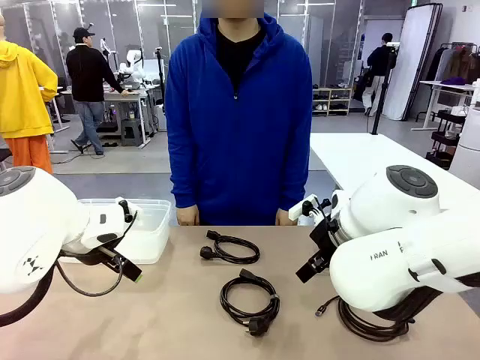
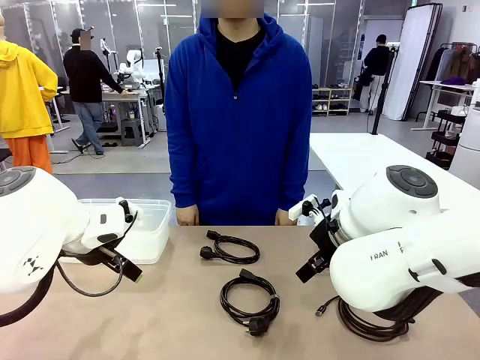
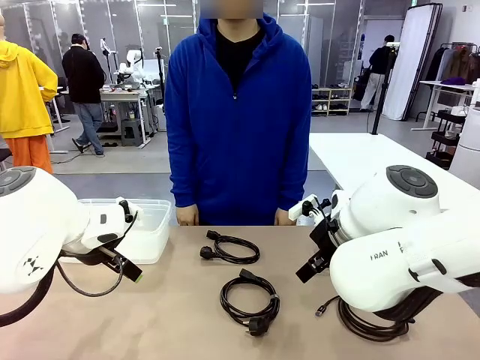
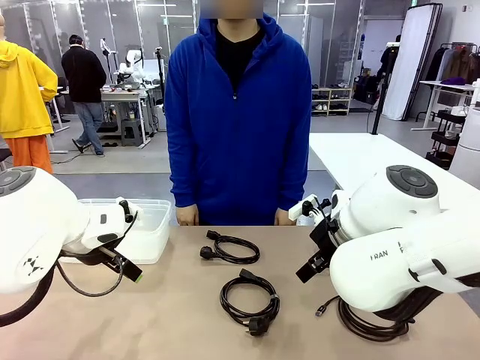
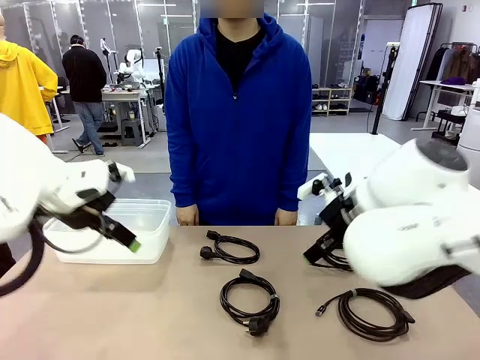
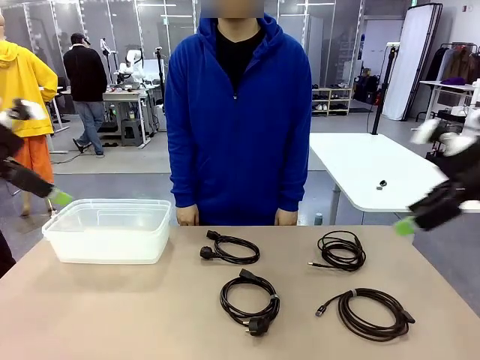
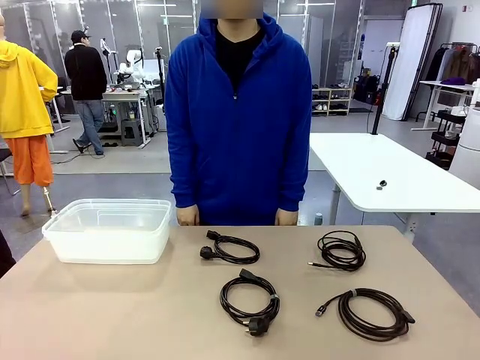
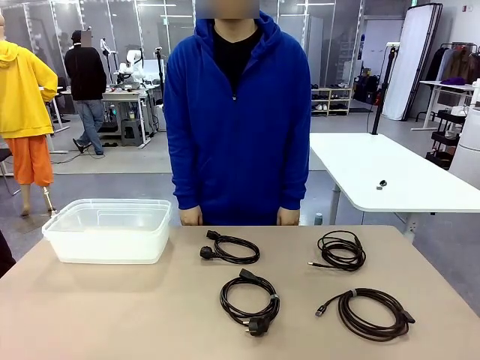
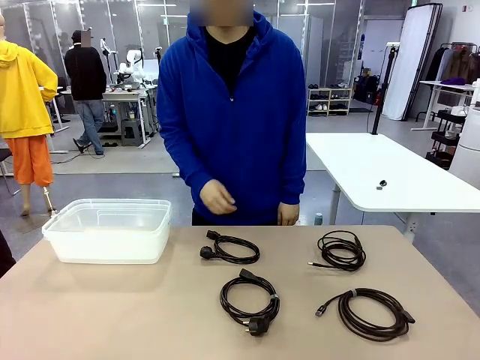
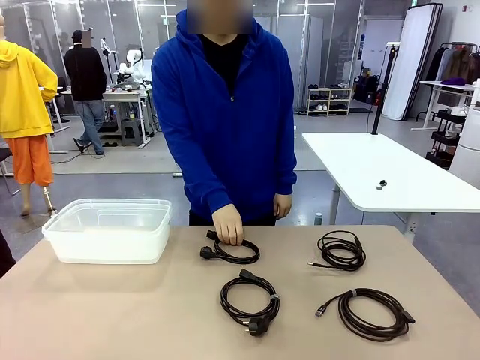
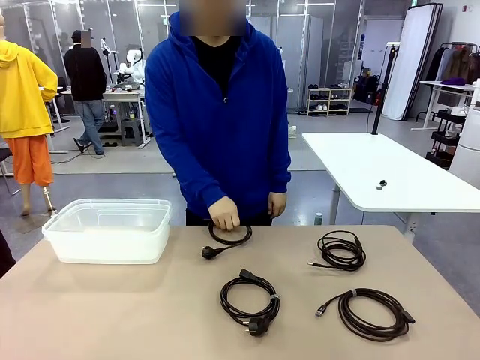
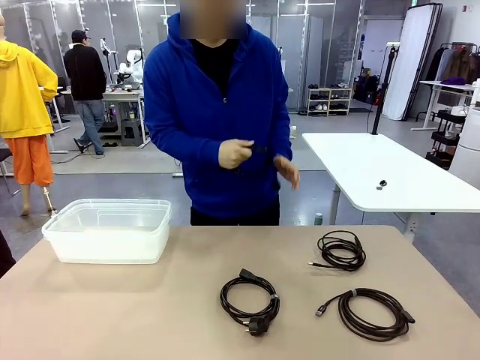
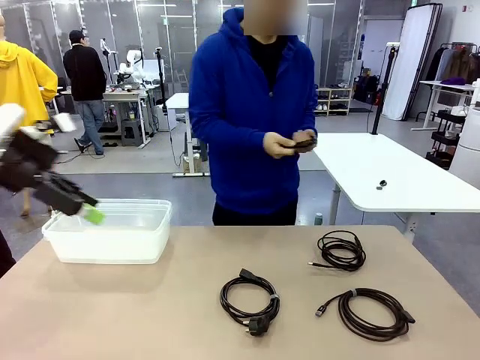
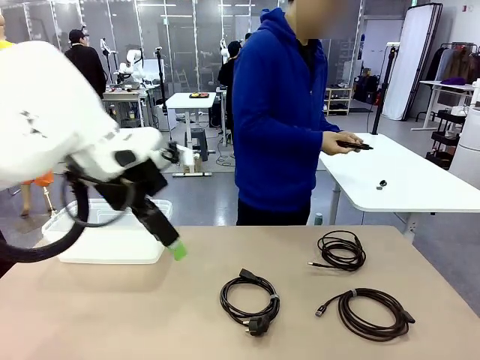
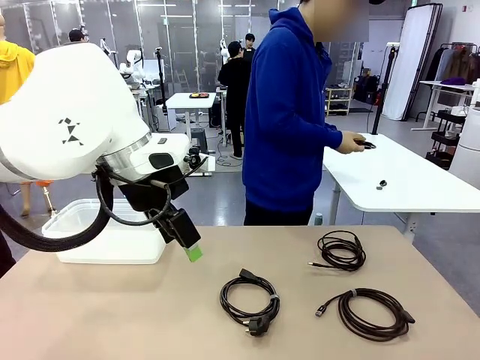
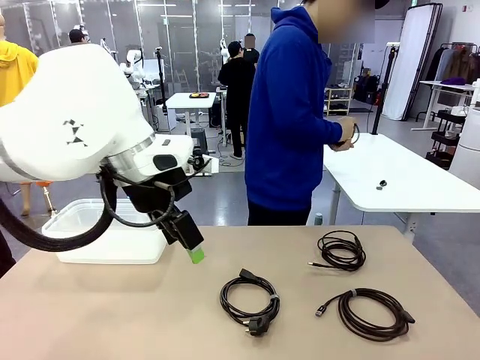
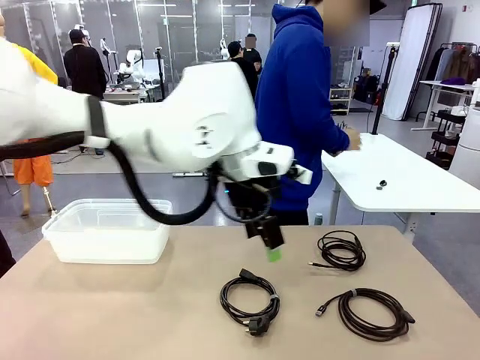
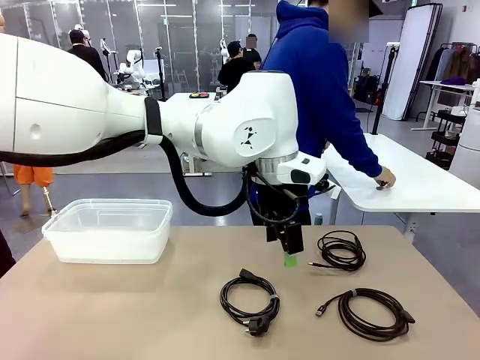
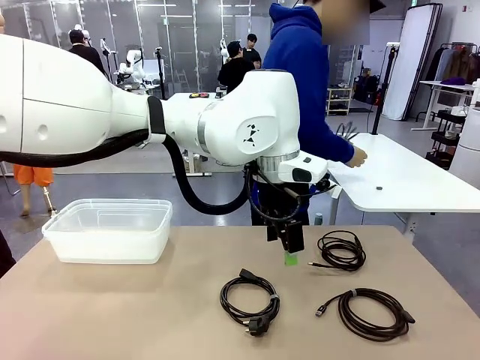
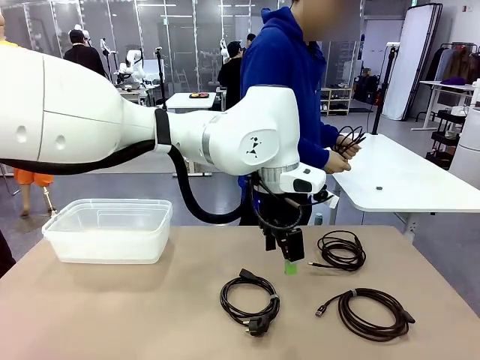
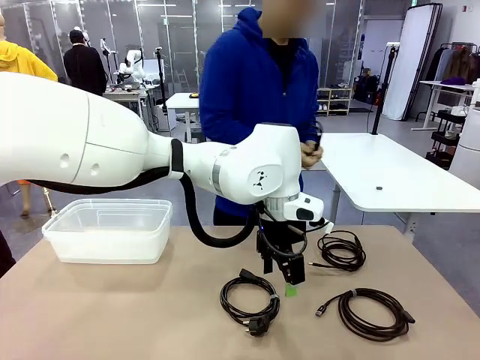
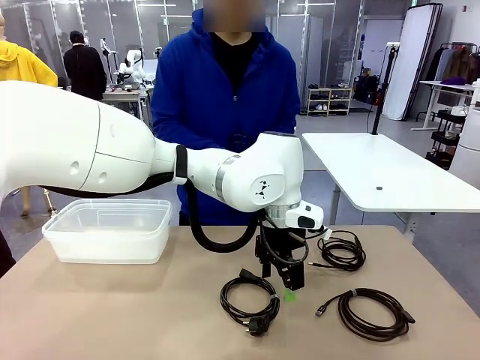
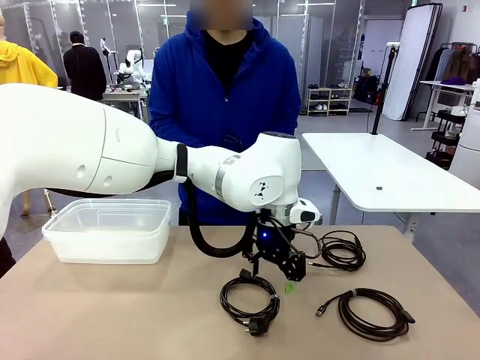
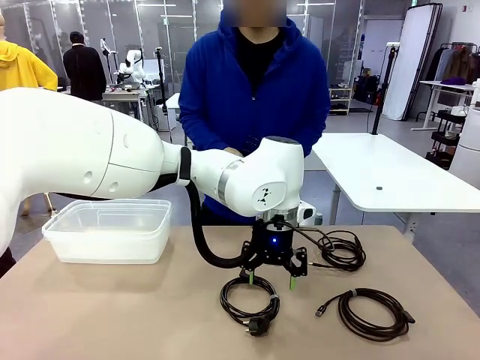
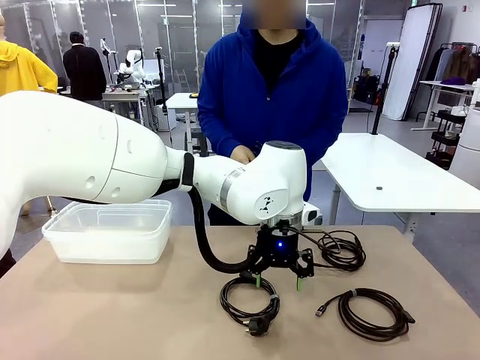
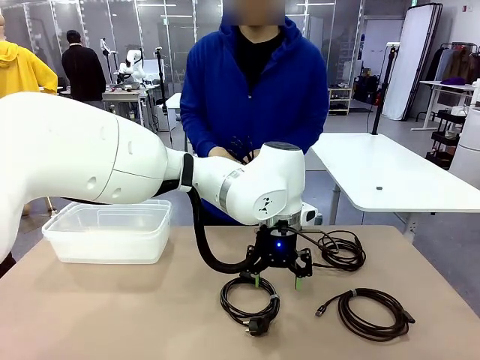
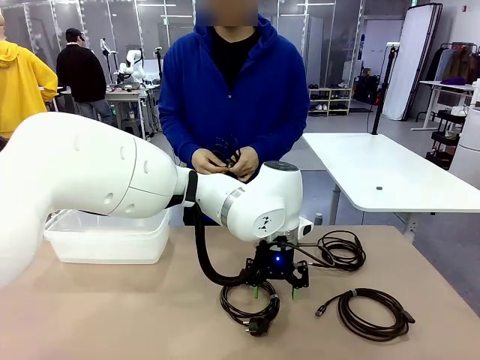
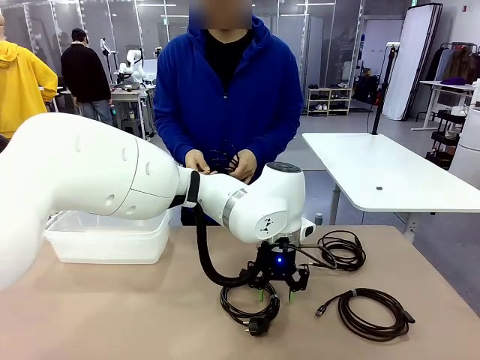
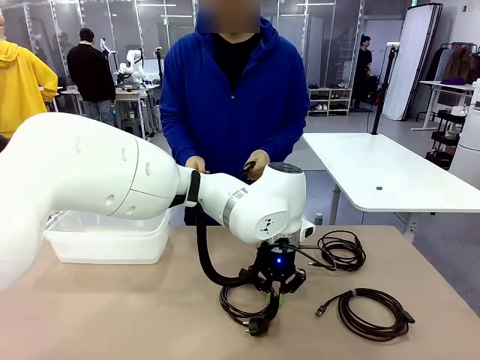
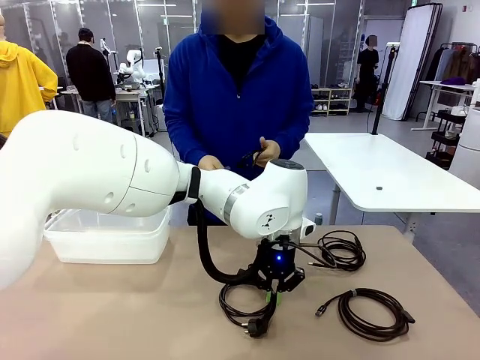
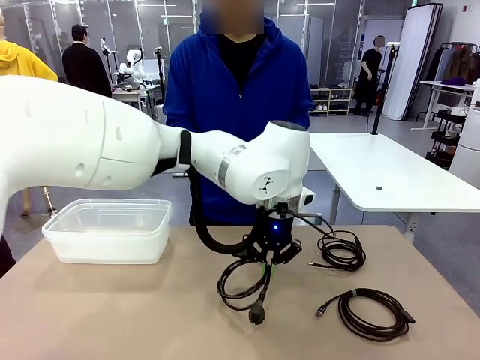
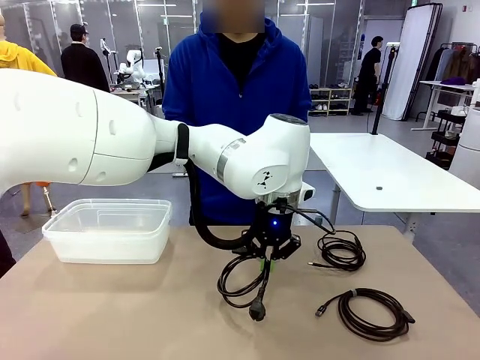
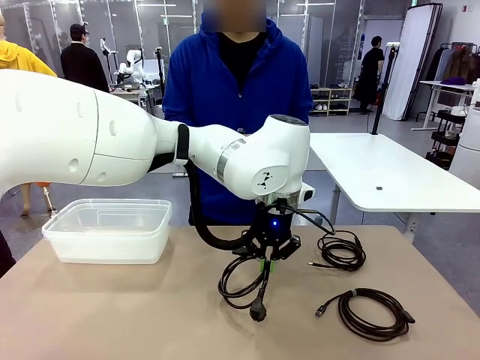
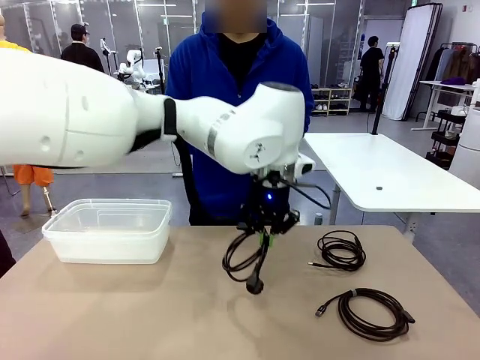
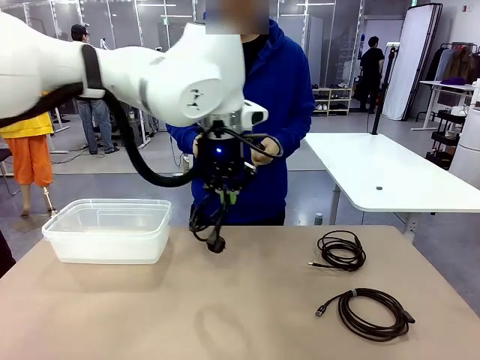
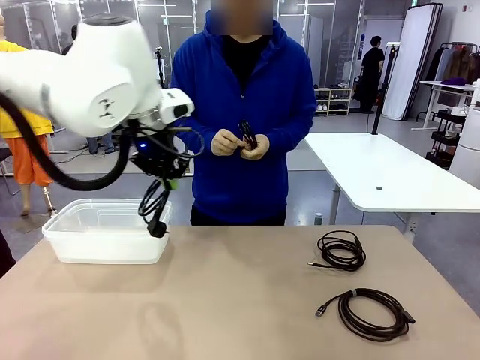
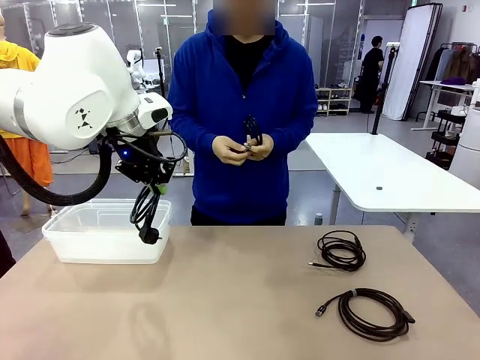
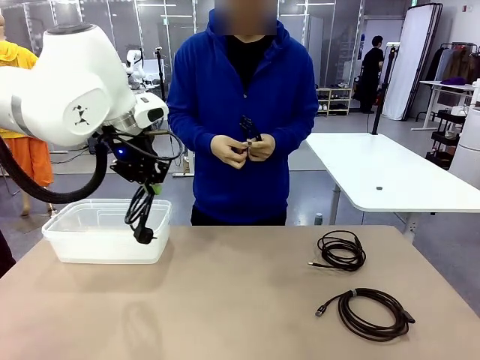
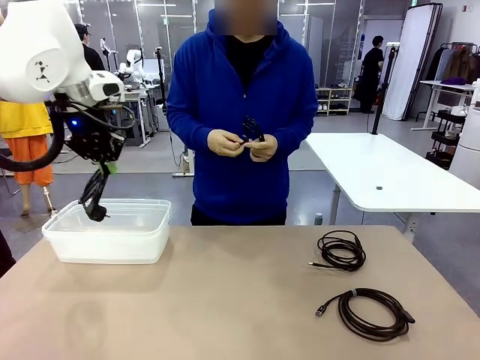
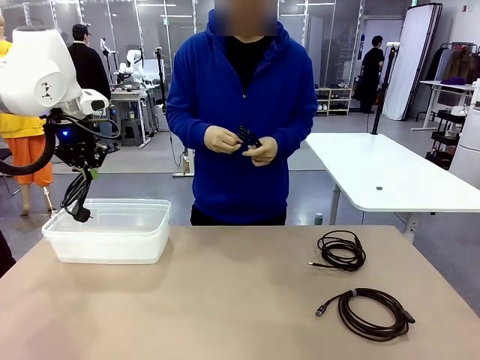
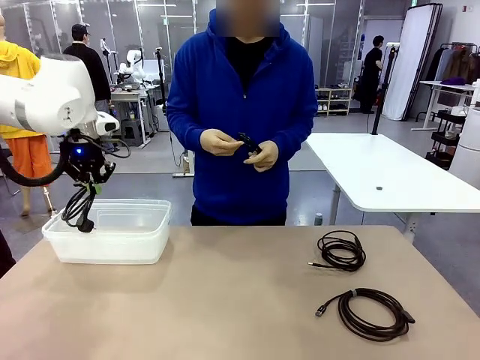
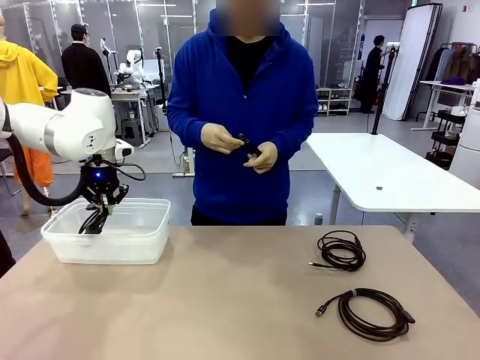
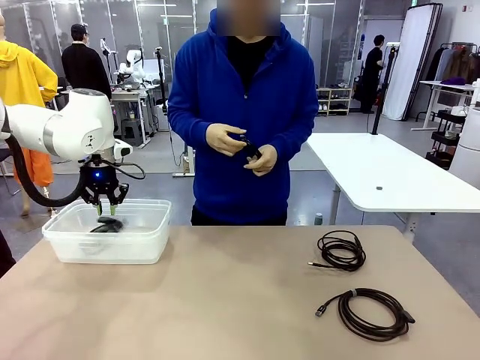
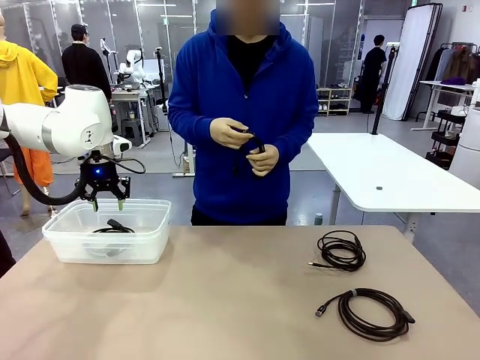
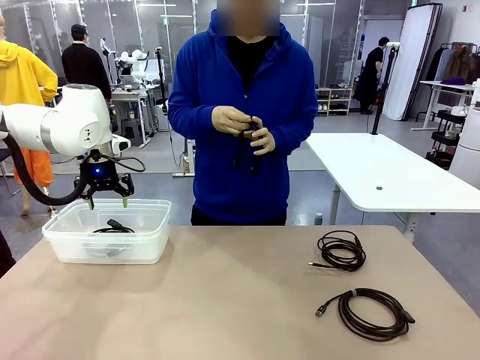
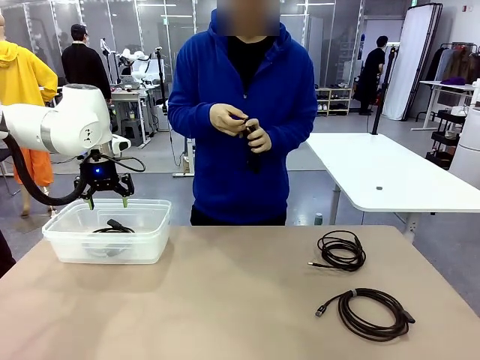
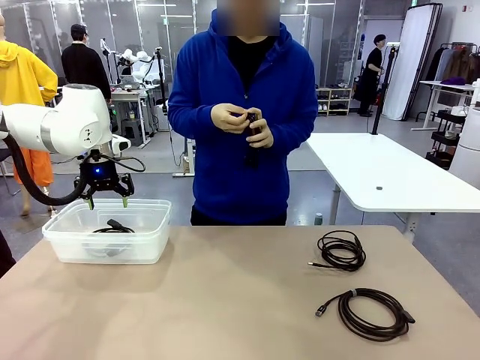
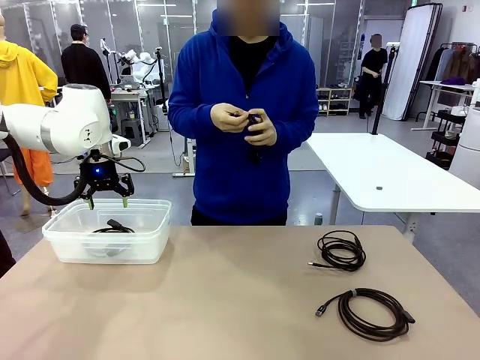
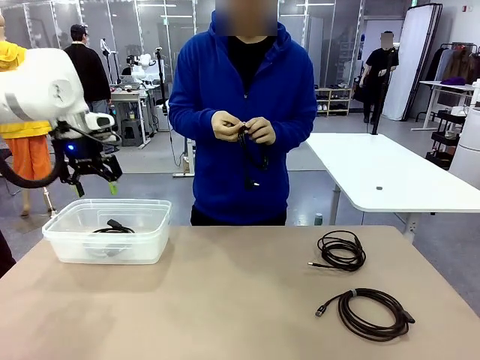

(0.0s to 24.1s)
Task: Organize and store the cables.
Robot: Place the Power Cable into the Organizing box.
Person: Tie one Power Cable with a Reusable Cable Tie.
